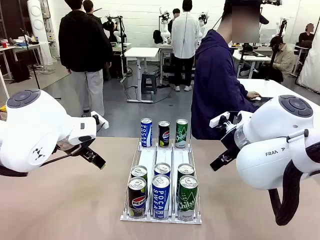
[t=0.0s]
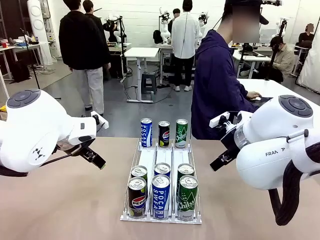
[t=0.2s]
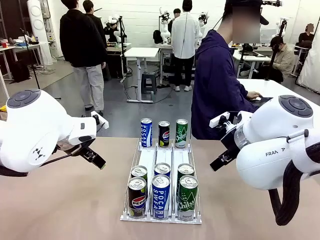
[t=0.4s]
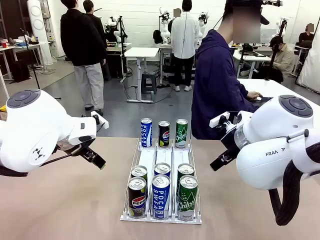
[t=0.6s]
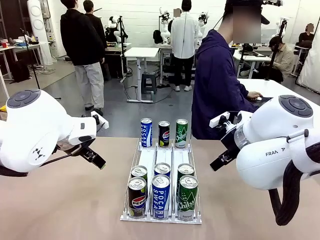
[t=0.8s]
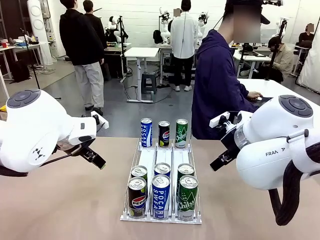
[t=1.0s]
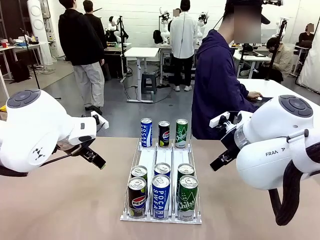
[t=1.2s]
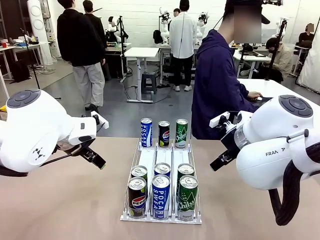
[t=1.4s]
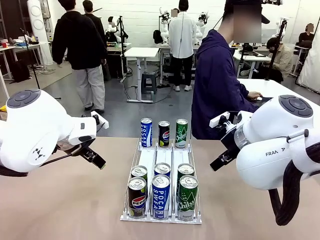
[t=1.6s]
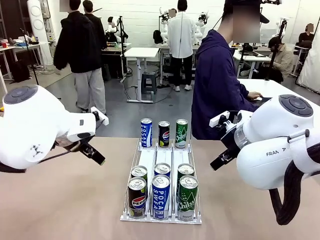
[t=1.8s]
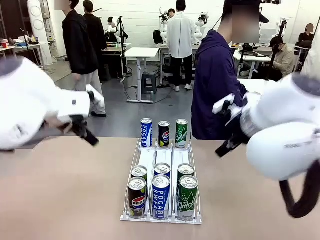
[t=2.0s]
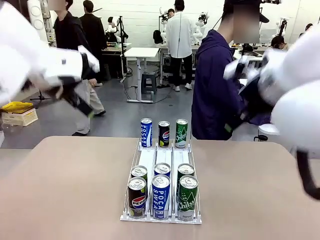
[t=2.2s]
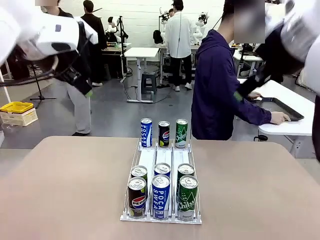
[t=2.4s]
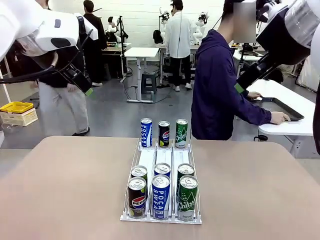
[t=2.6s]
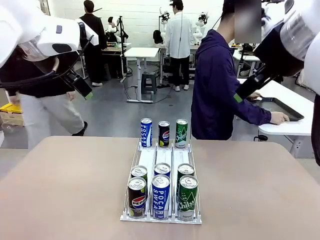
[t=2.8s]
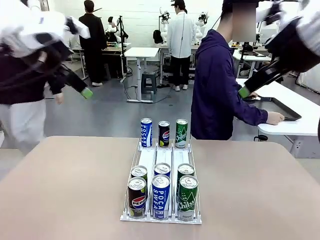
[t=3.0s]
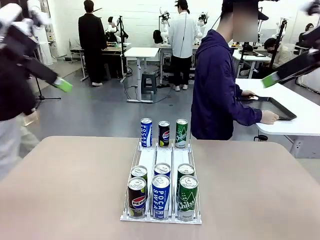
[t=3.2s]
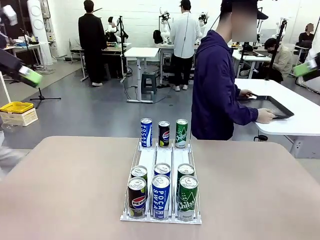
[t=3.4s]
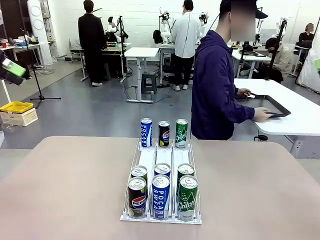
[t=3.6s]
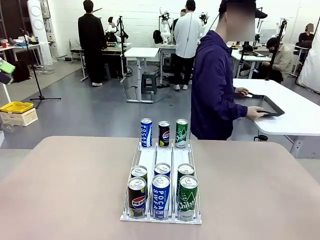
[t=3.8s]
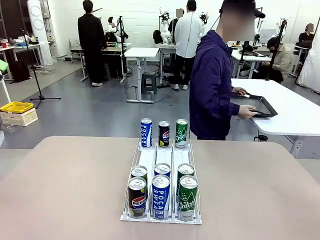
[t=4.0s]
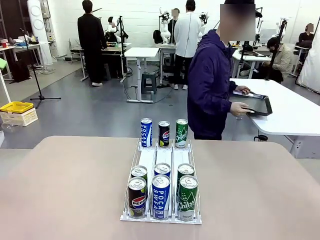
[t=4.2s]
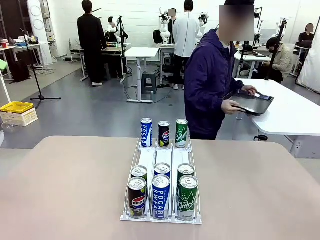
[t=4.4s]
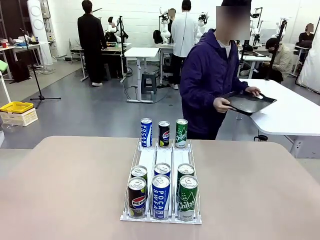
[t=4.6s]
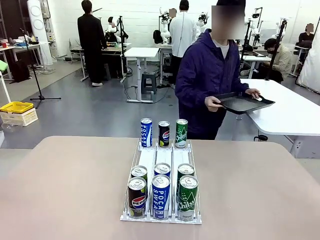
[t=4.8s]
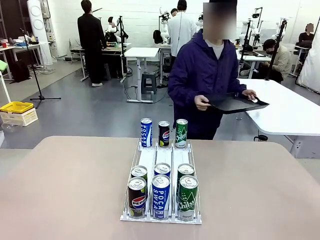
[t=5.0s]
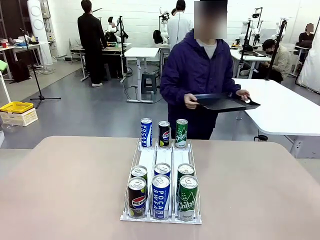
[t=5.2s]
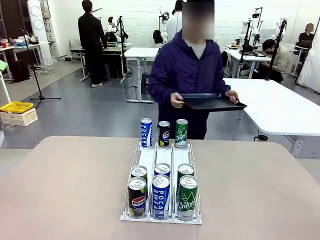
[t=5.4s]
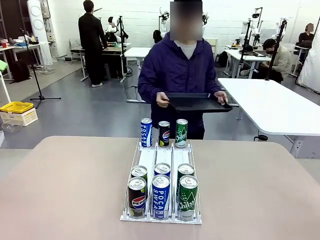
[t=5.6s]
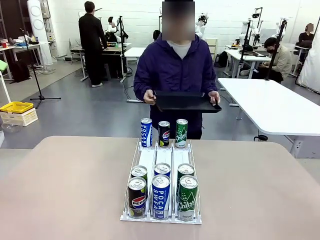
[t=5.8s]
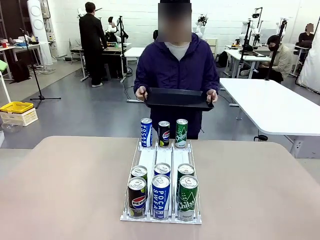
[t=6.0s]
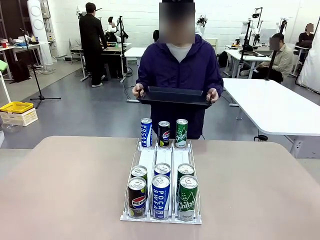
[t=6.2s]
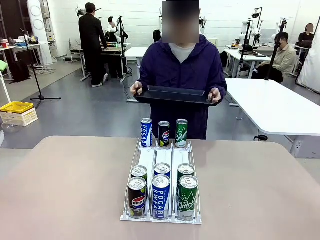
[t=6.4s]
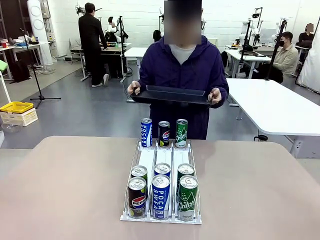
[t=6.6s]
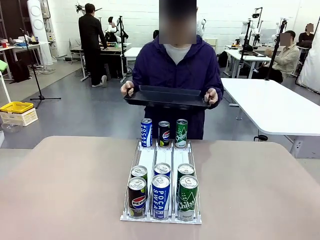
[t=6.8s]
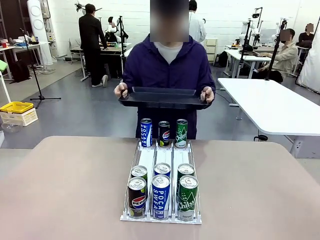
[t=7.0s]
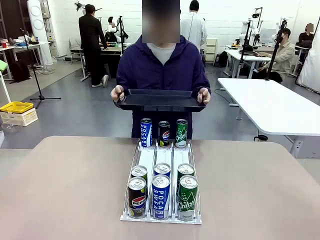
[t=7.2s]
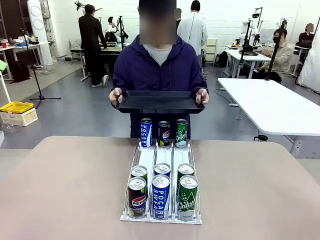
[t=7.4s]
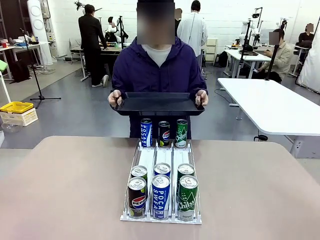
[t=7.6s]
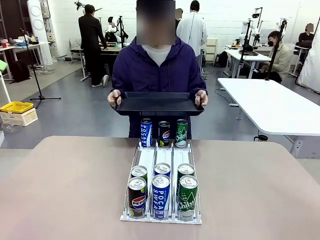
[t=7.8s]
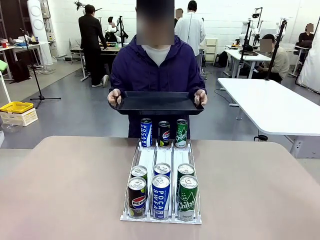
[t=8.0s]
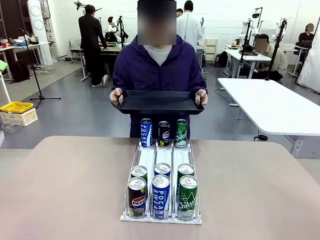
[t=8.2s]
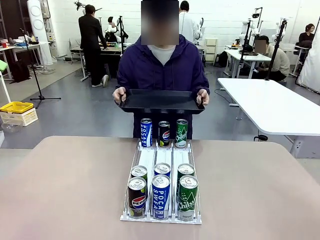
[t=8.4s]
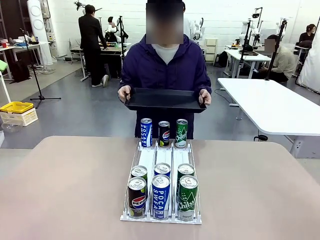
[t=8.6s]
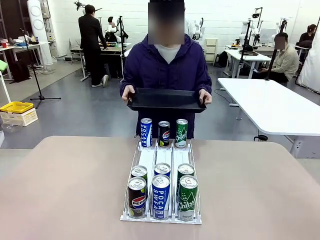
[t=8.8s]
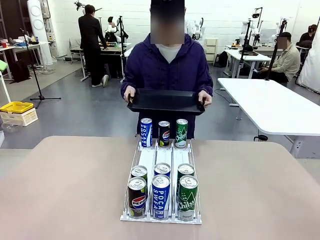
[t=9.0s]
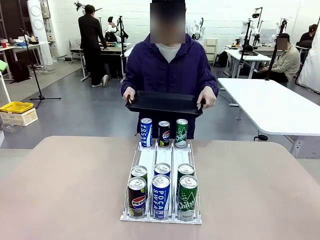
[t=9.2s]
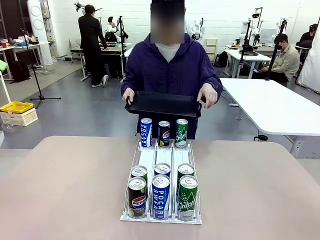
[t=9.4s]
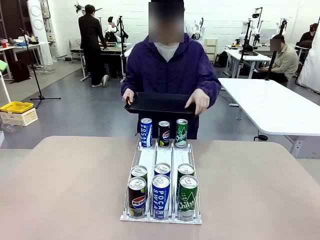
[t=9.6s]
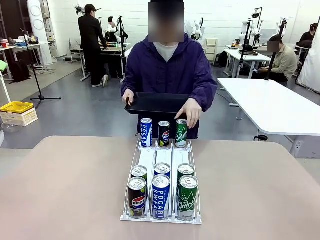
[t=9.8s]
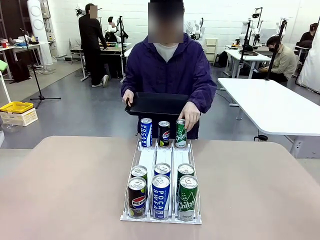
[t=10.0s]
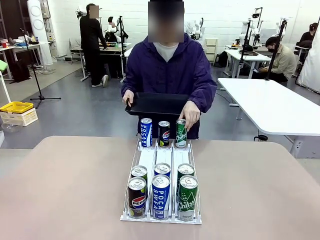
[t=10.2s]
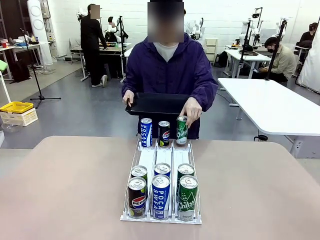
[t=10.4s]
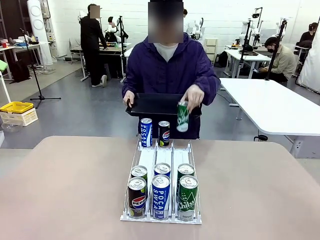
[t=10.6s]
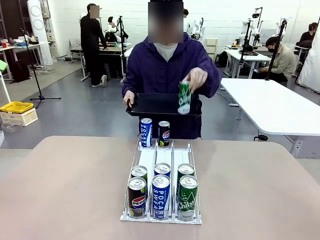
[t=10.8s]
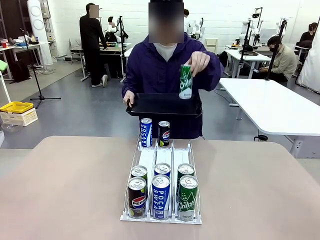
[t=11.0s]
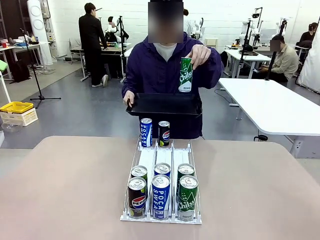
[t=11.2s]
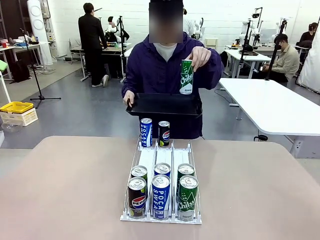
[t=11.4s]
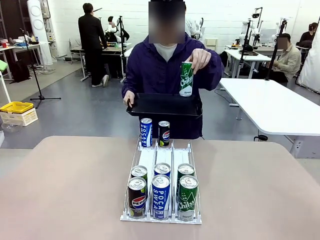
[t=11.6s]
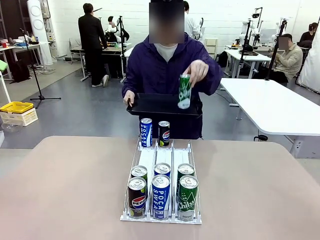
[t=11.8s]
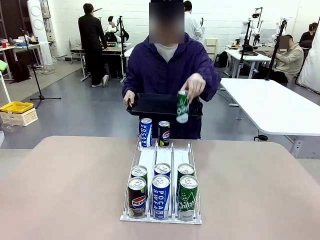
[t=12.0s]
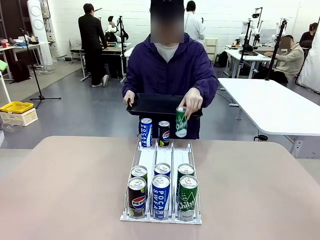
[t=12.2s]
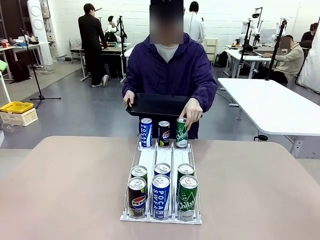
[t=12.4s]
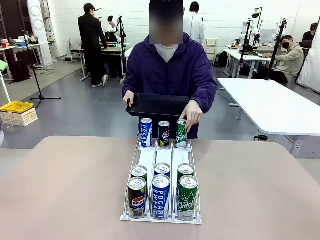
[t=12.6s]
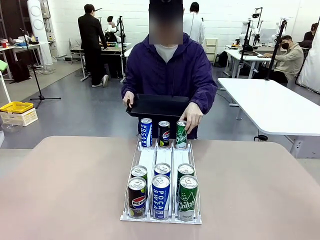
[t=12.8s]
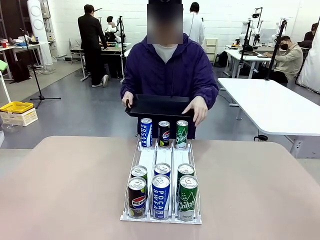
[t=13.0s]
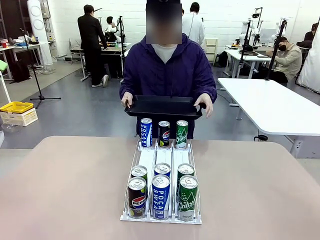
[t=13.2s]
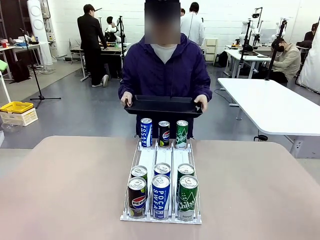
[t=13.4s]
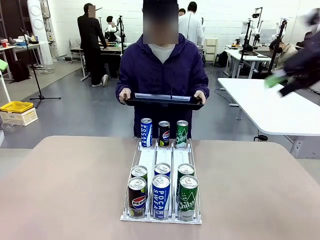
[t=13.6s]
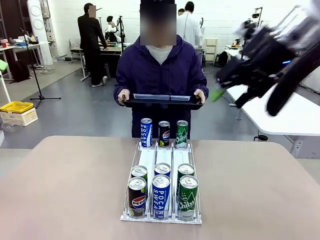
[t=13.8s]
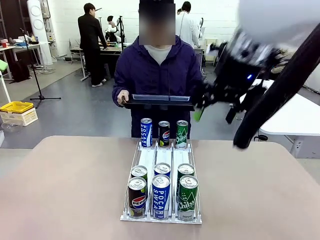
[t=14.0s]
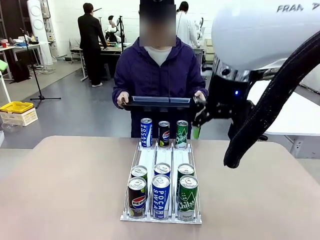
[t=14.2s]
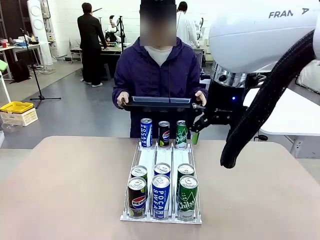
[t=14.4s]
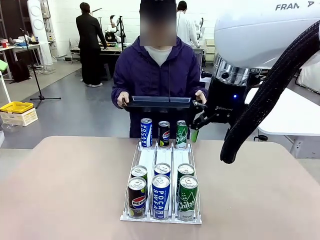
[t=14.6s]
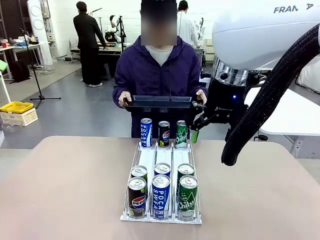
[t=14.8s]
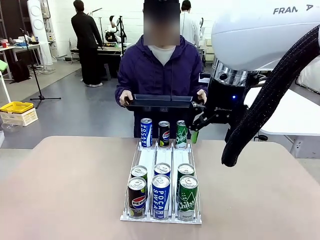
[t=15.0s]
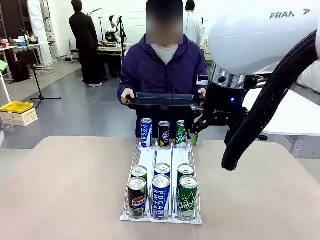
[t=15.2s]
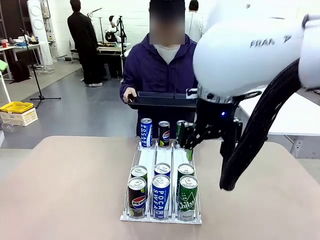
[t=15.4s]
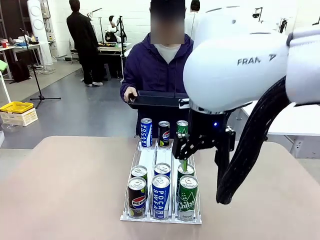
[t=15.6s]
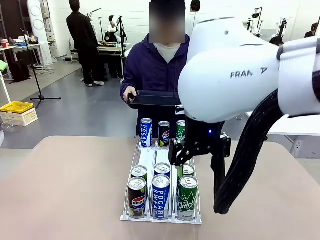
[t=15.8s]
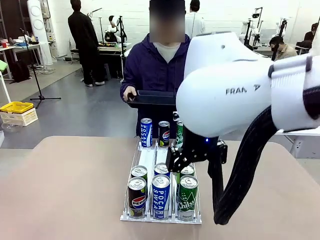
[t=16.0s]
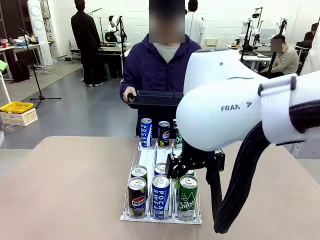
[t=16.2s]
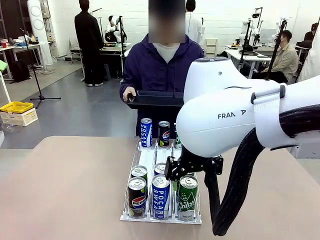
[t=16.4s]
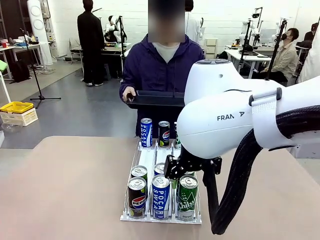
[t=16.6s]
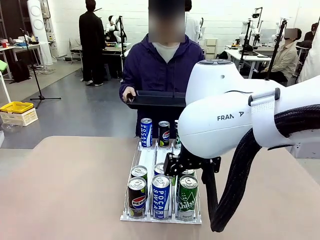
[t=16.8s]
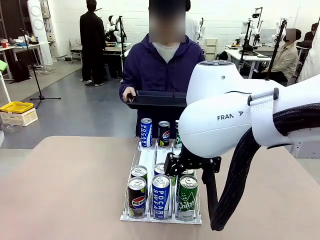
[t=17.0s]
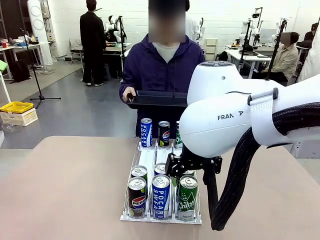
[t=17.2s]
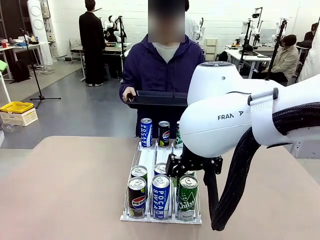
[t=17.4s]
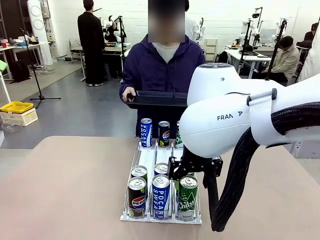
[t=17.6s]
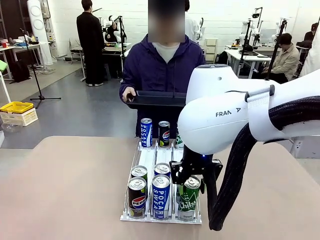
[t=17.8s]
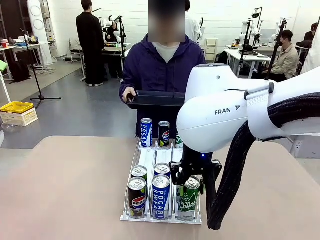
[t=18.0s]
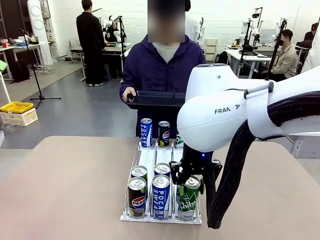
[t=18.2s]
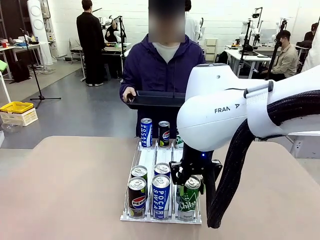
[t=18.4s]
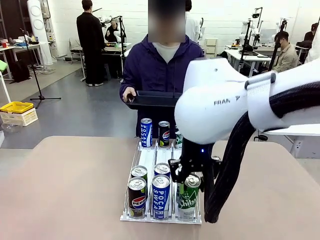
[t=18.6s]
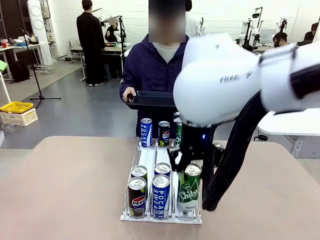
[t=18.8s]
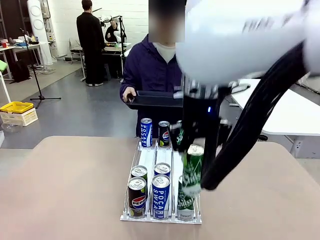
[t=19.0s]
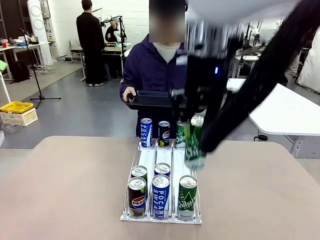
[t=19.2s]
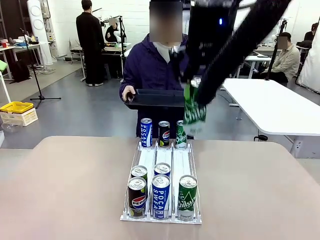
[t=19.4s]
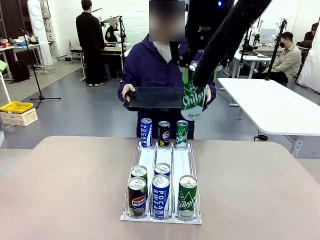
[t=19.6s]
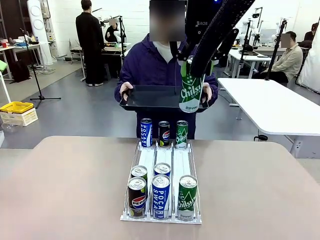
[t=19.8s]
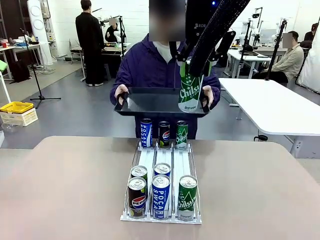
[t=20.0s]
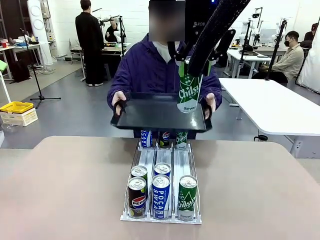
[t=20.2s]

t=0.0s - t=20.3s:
Task: Retrieve and hand over the desired beverage to the person.
Robot: Pick up a can of the same type that the person held from the Automatic Can Dispenser.
Person: Hold the tray and position yourself in front of the robot table. Pick up one can from the bottom area of the table and puts it back in its original place. Push the tray toward the robot.
